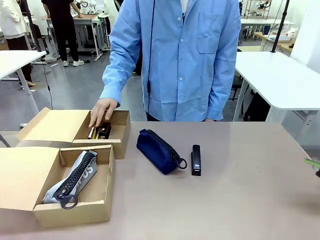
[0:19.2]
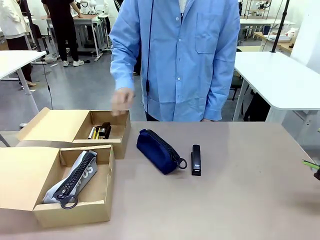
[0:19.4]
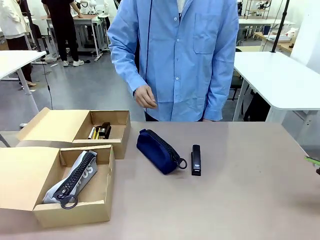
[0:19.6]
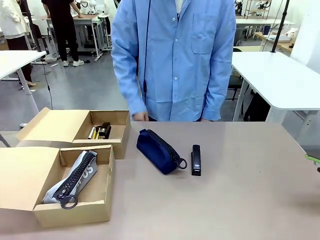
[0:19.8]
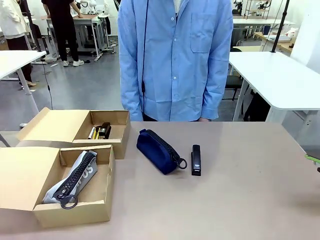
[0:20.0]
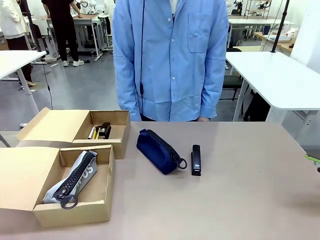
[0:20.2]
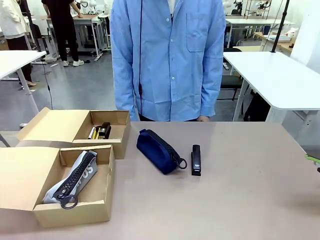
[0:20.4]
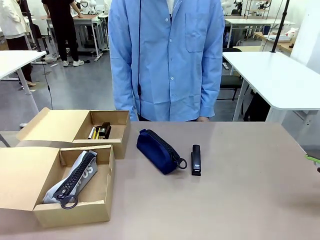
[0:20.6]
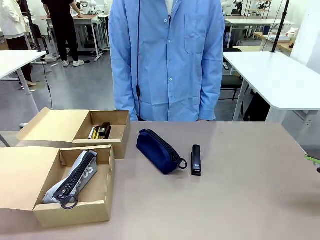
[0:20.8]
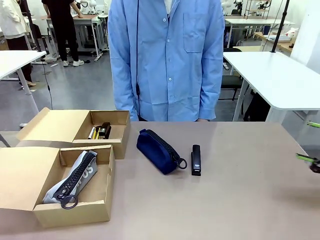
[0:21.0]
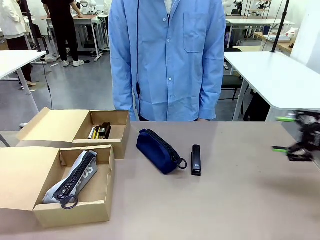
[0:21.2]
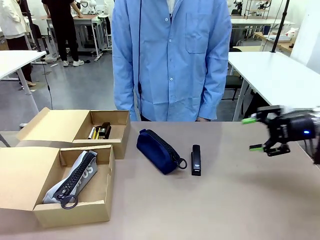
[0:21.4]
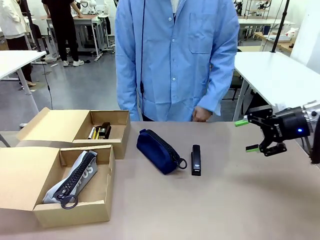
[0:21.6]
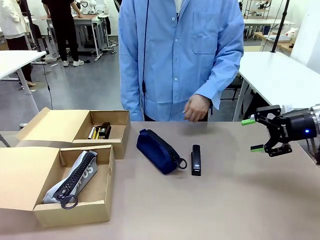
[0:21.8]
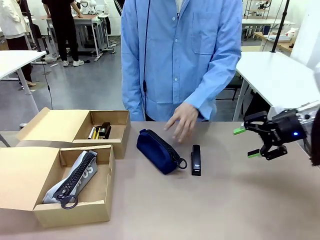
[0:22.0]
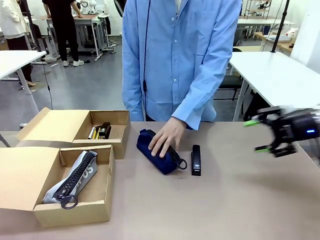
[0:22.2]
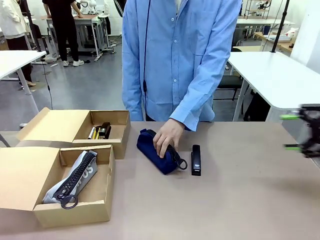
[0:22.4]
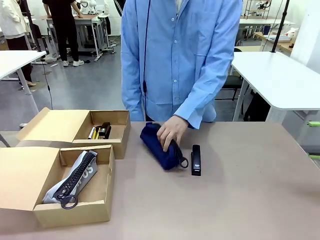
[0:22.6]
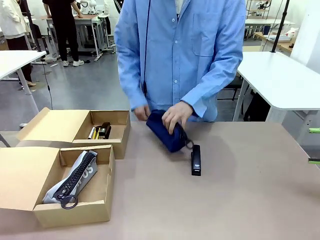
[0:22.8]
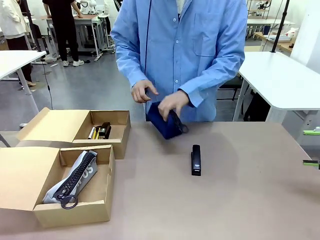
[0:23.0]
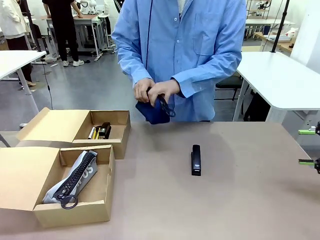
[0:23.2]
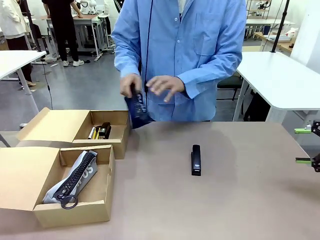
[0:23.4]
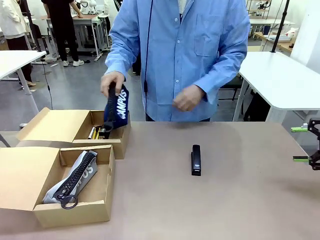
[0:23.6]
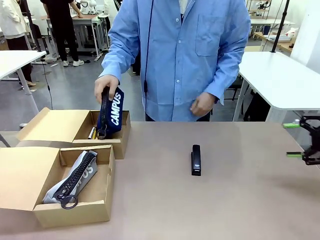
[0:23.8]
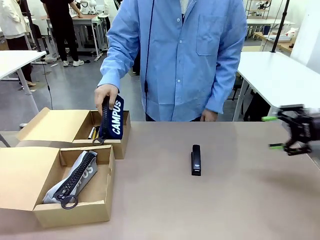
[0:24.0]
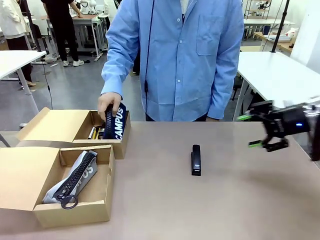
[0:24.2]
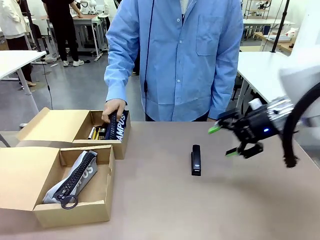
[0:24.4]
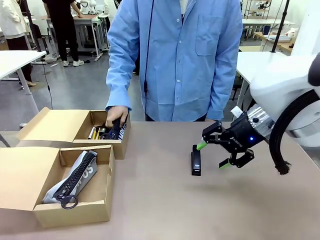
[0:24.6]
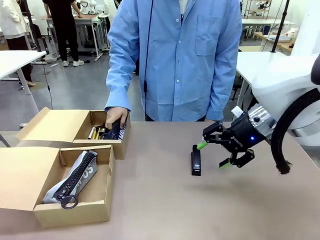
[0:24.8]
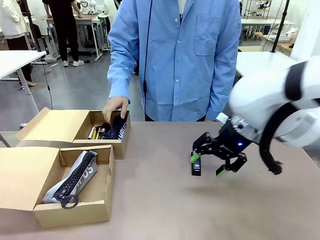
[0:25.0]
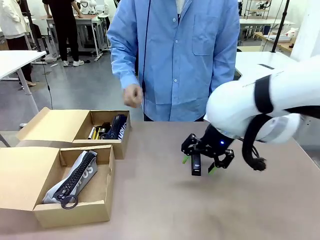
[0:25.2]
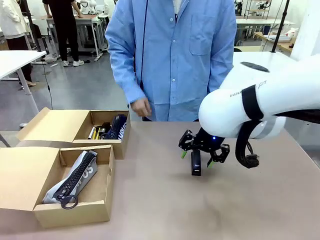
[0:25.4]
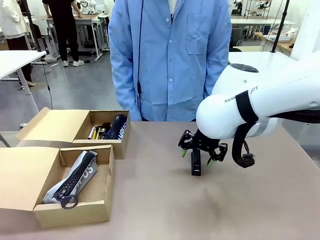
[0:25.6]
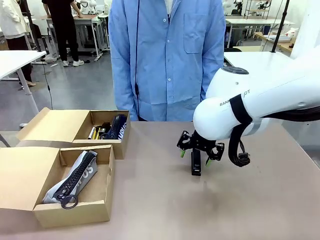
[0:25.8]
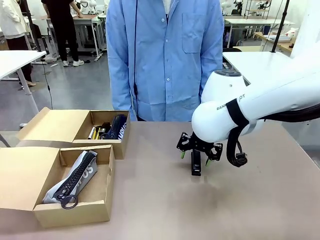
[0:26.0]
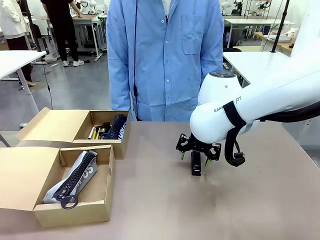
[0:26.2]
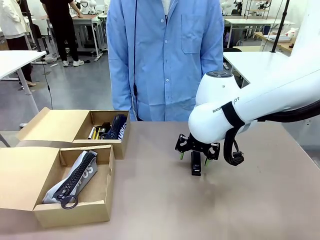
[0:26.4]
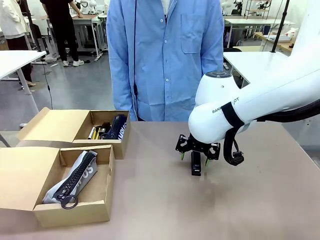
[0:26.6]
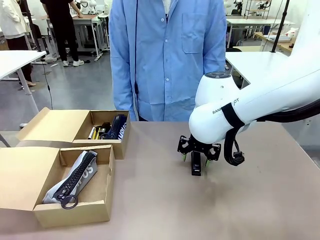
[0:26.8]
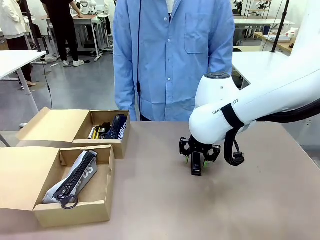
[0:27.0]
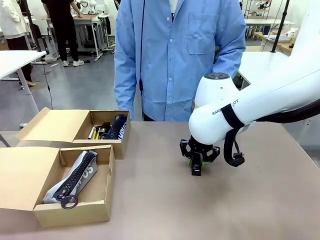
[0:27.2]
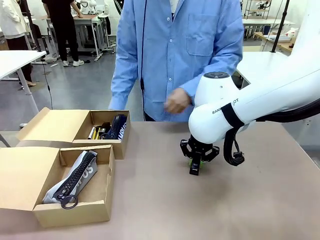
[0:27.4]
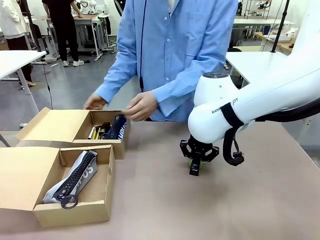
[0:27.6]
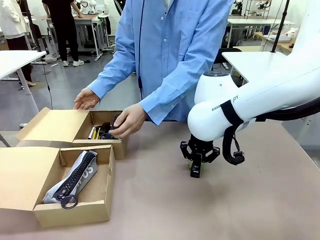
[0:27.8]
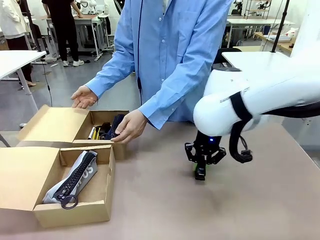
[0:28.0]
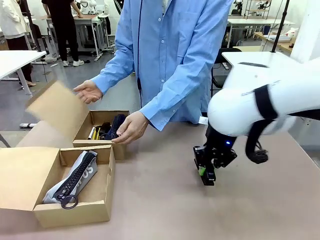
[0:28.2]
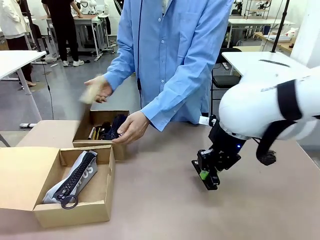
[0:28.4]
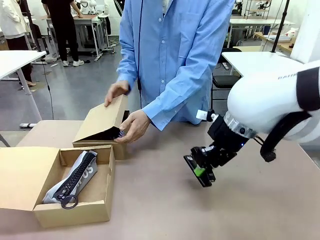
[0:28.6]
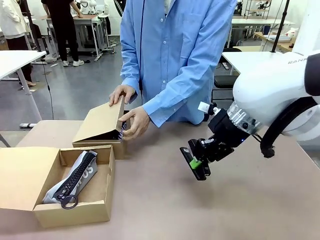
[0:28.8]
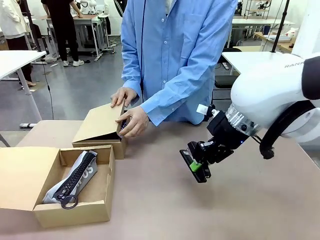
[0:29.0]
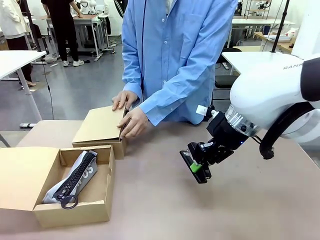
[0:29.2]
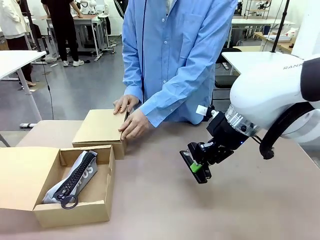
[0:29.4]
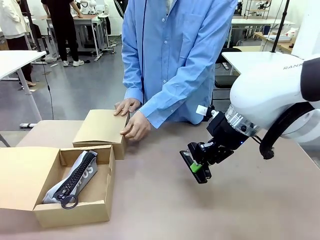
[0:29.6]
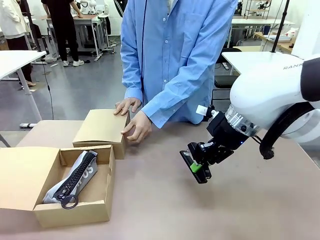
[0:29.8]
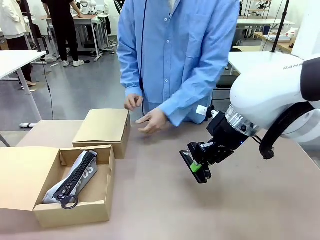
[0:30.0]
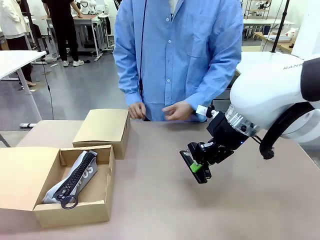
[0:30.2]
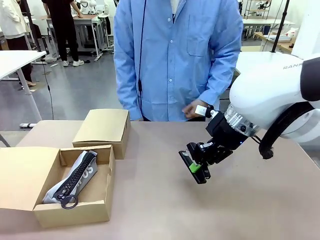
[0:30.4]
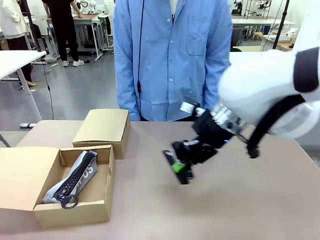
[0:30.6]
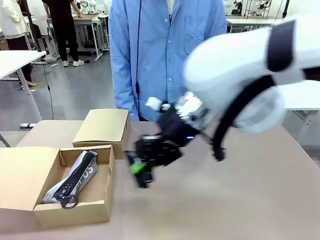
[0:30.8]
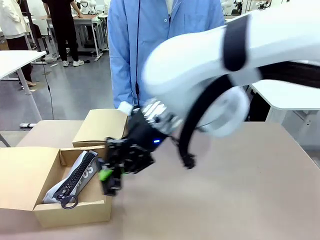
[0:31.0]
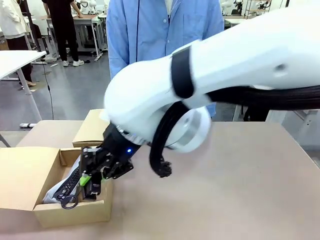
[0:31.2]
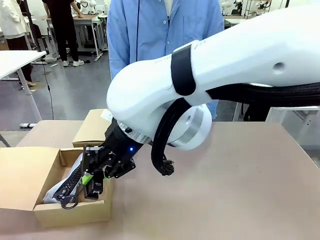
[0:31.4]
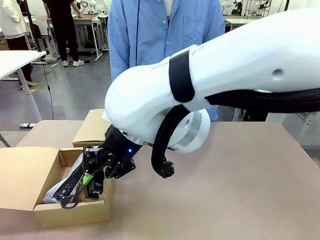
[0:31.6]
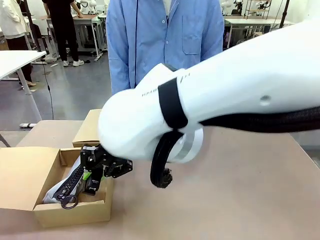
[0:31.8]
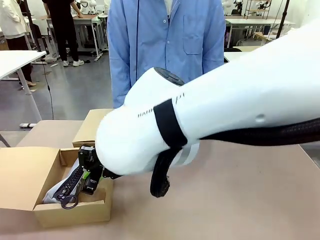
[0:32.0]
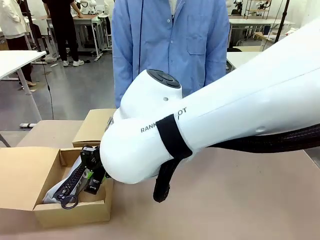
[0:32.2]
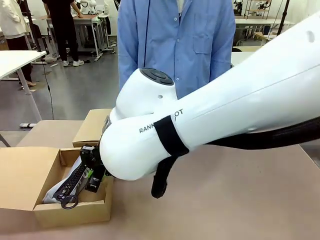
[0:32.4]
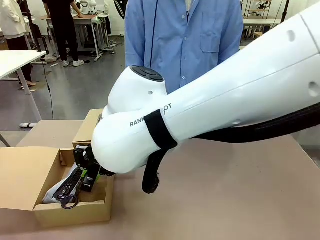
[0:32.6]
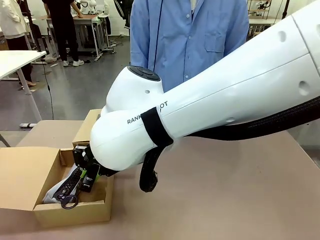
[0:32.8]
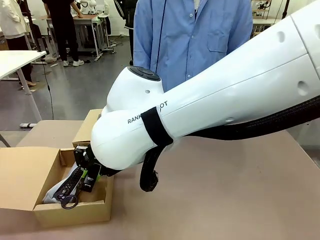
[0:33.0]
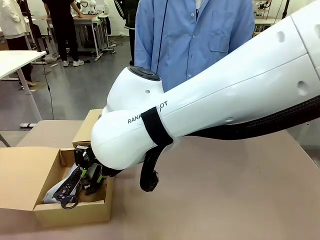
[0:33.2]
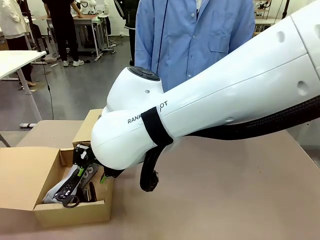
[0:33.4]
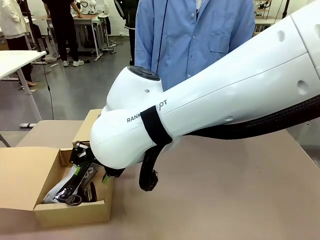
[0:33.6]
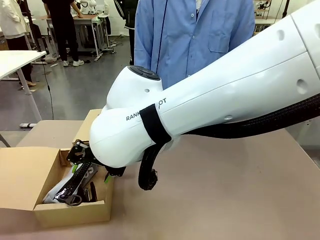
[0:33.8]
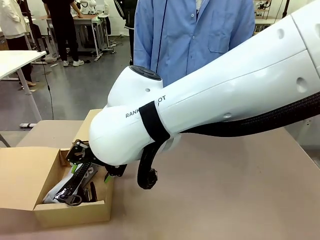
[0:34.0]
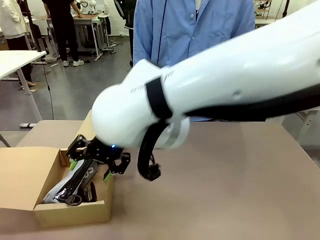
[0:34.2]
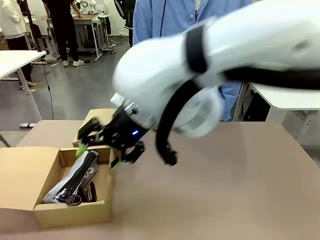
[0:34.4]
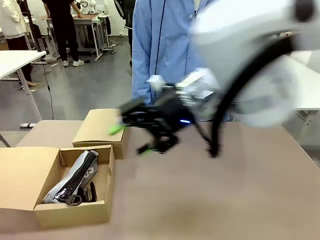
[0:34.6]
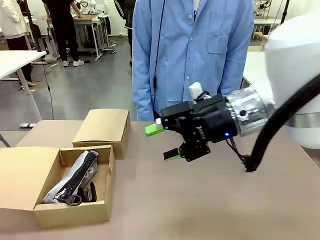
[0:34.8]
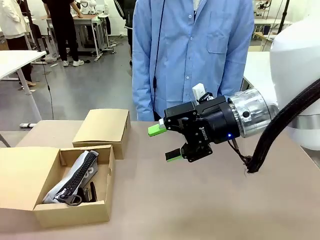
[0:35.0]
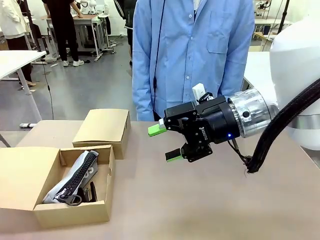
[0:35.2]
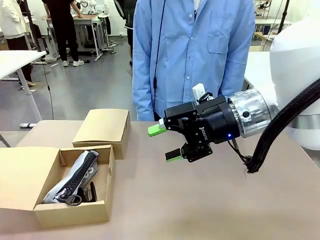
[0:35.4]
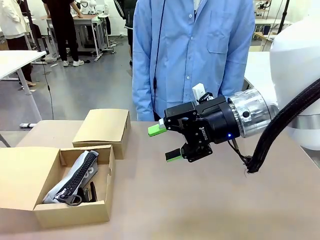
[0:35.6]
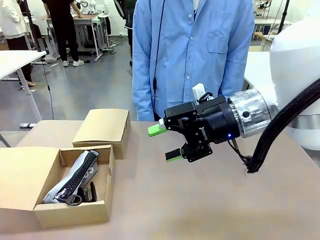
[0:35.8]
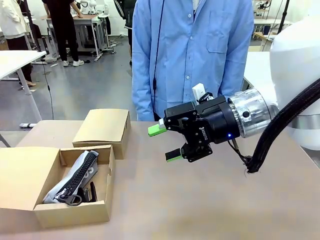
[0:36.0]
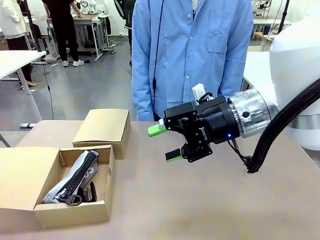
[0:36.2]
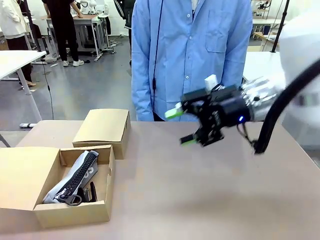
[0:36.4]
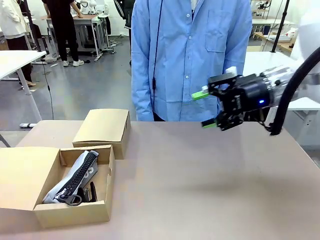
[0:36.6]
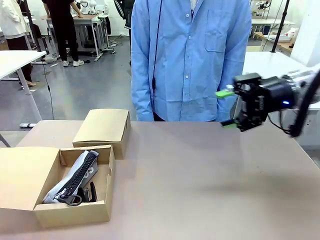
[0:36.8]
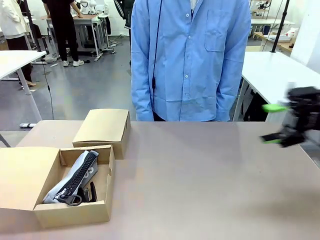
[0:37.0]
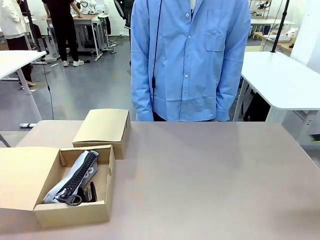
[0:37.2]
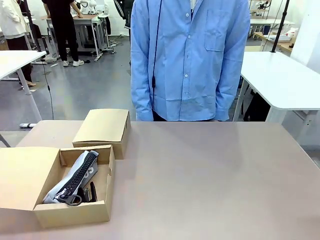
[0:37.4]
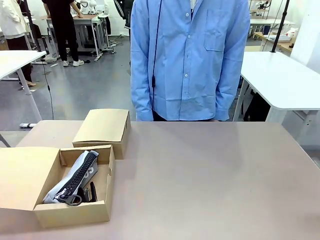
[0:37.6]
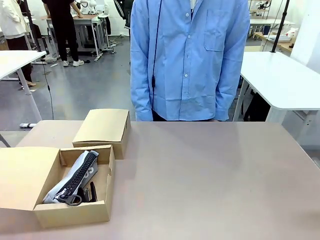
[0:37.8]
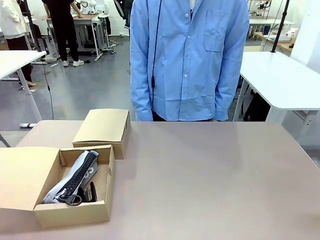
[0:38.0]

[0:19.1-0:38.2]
Task: Place items inside the box.
Robot: Pick up a Pencil pouch or Stapler and place it inside the Mailer Box closest to the robot.
Person: Close the lid of the box facing the person.
